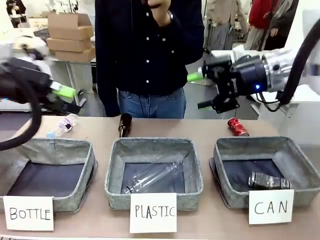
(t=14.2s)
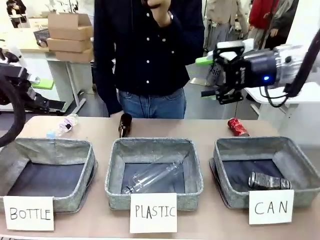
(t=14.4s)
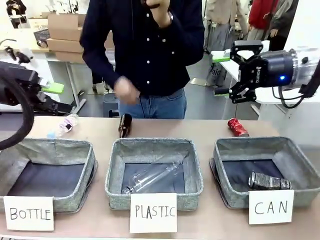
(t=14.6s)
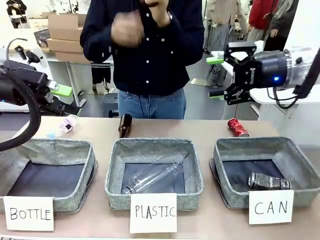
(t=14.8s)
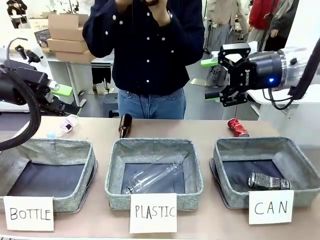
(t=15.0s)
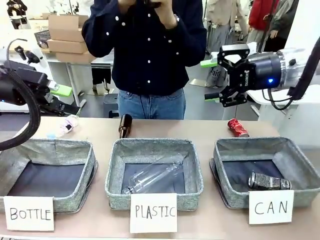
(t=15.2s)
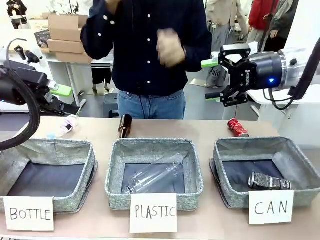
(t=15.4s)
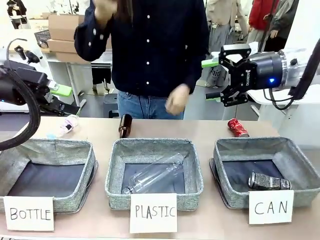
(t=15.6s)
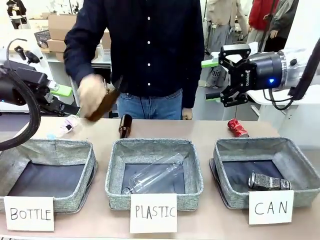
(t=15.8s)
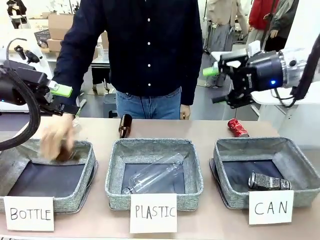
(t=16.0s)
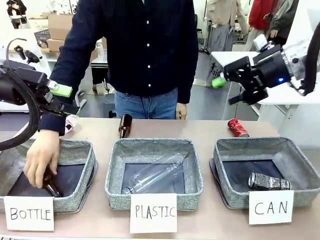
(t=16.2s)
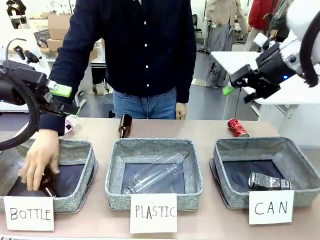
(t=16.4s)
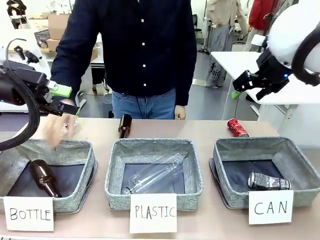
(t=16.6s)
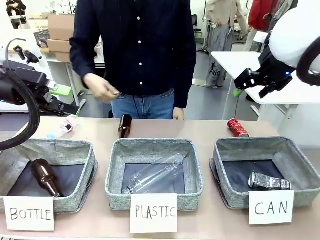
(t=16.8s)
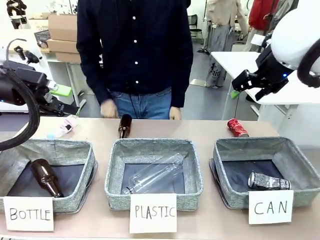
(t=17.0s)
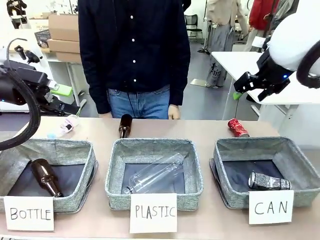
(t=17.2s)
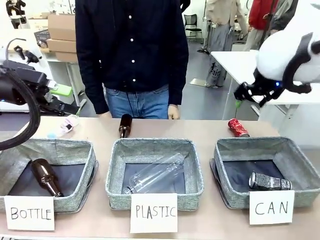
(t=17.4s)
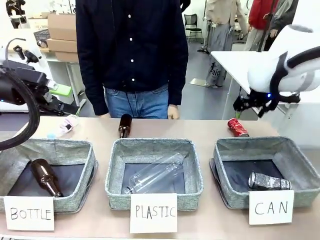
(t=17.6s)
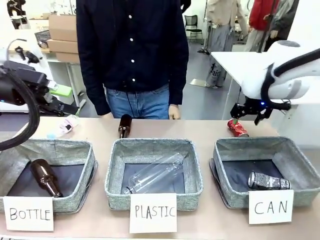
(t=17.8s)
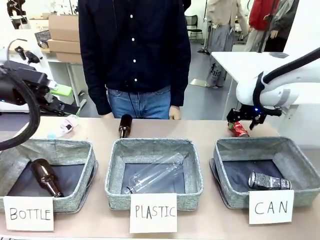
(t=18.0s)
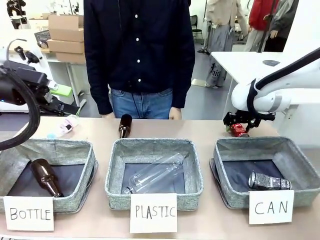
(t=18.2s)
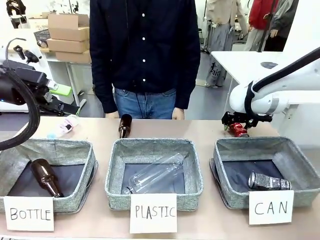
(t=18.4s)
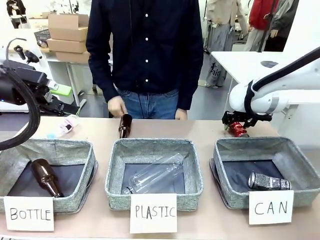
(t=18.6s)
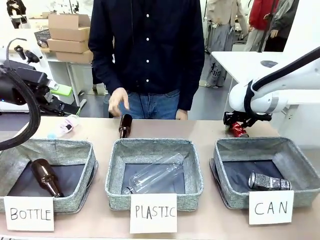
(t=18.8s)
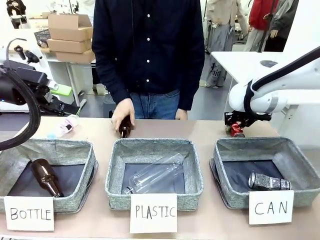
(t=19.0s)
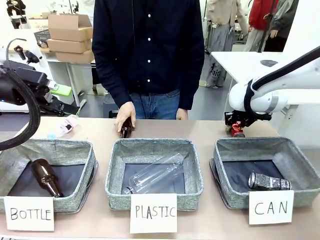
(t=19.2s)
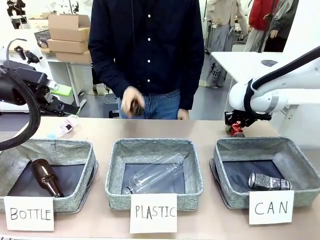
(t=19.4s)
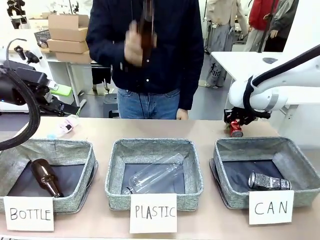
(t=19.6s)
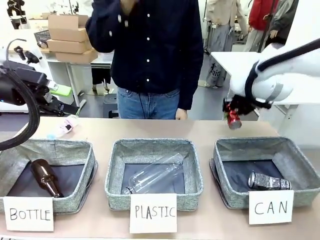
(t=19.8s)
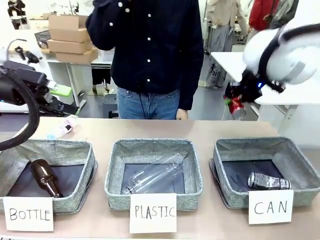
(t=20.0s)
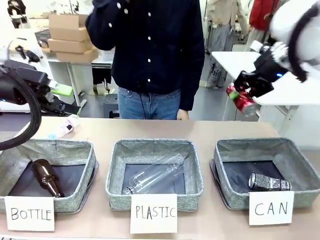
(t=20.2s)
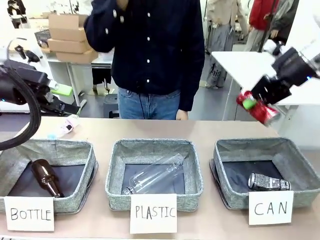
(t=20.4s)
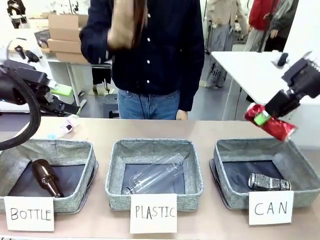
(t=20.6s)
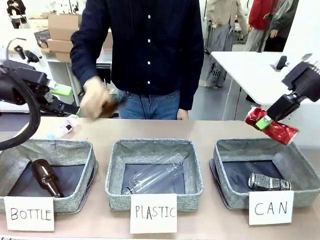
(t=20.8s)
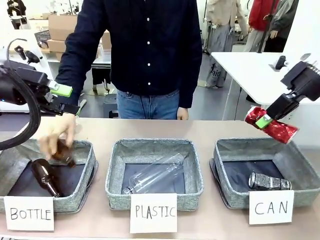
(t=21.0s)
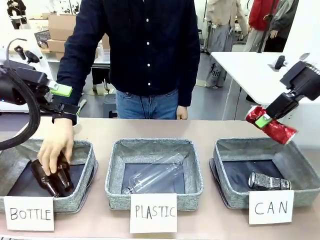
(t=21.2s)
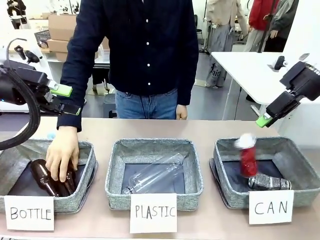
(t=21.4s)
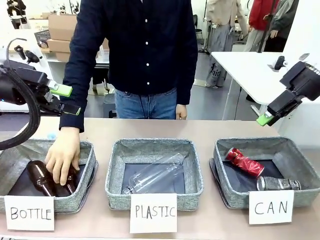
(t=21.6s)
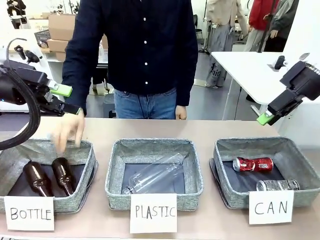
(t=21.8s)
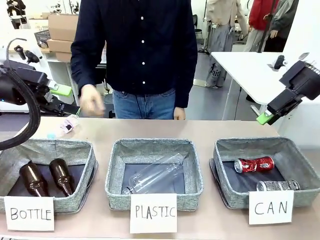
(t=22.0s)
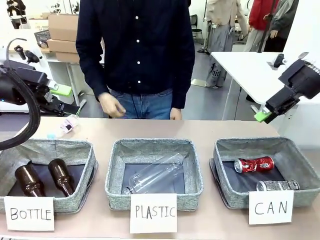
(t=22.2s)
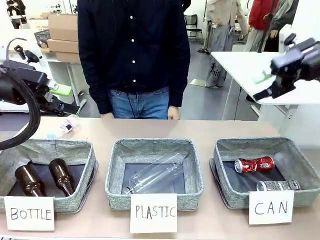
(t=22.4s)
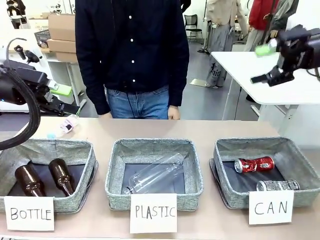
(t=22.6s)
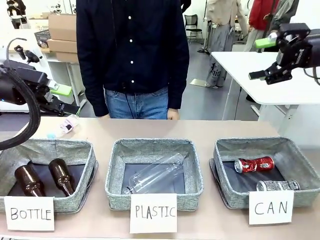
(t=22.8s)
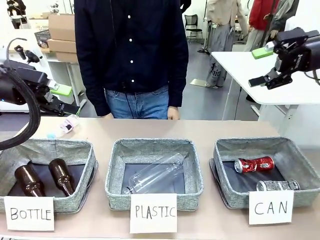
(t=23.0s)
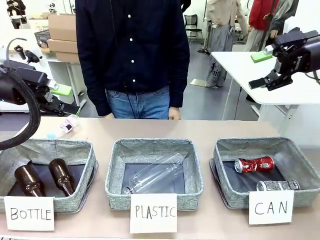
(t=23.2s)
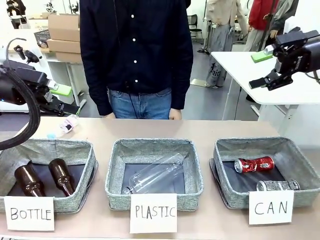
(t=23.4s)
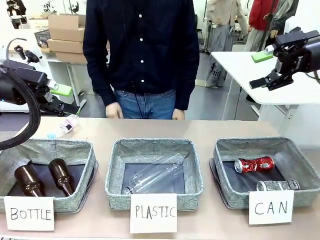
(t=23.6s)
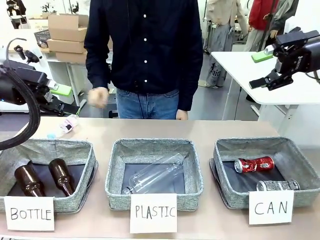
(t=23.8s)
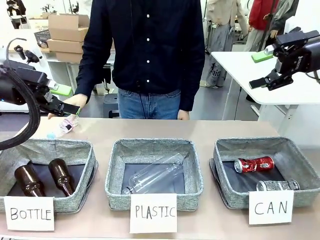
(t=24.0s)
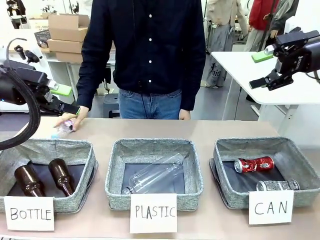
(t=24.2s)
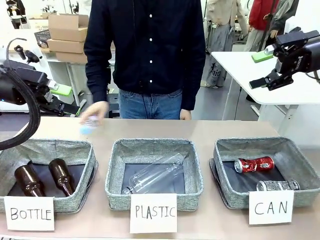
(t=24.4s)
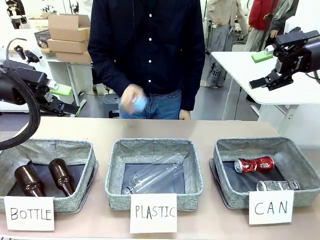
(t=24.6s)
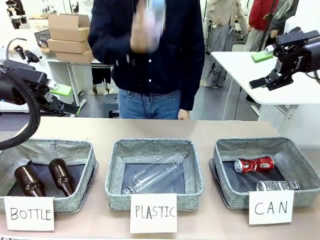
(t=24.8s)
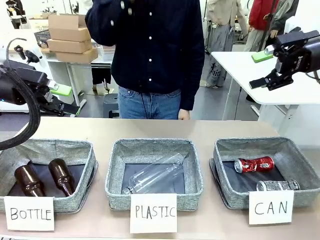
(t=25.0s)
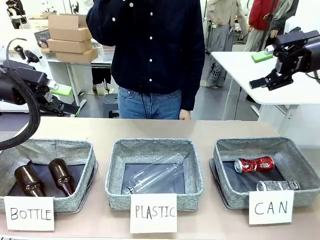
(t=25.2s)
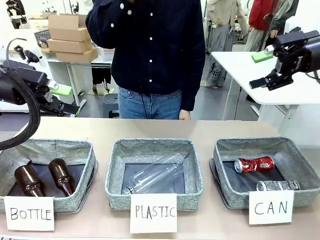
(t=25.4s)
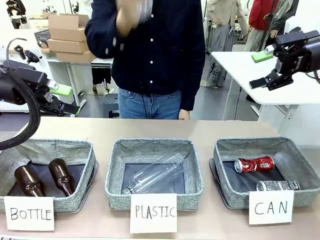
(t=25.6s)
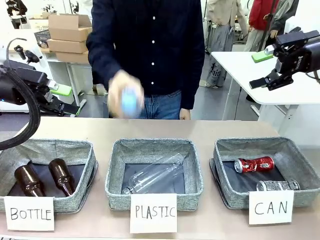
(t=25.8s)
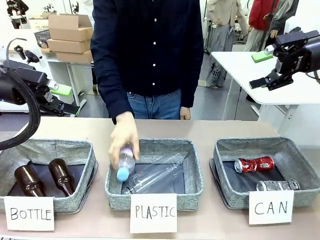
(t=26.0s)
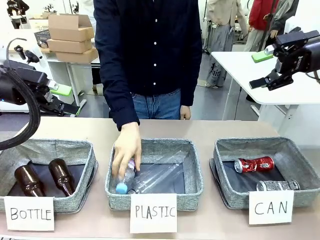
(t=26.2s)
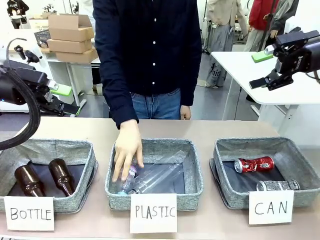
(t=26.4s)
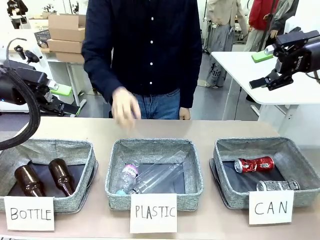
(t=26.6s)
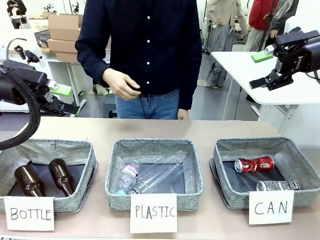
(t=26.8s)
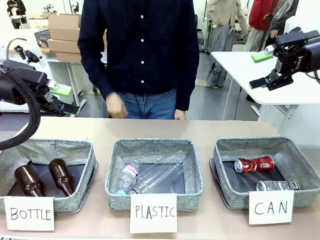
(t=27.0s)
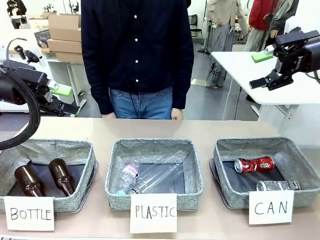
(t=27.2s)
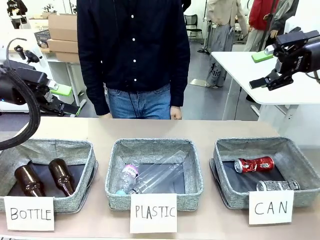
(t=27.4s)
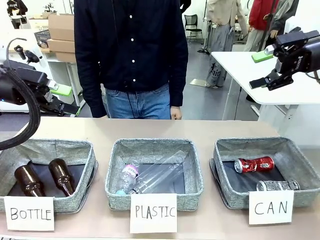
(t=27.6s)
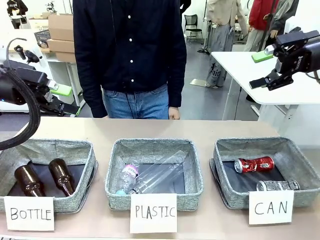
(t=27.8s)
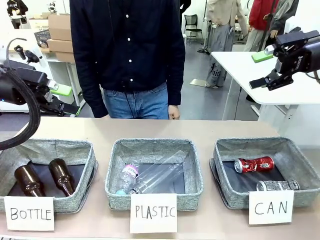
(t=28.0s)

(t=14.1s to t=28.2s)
Task: Sort the can waste into the basket.
Robot: Pick up the can waste from the table and place it in the right Fabric basket.
